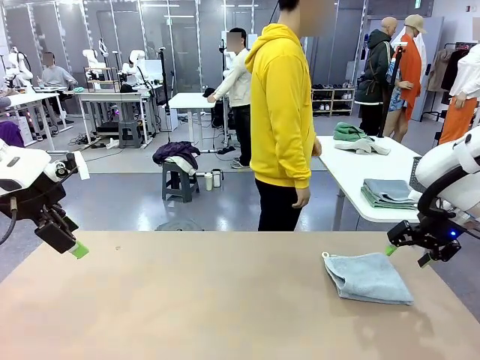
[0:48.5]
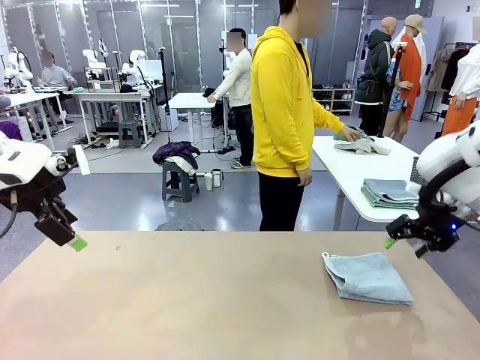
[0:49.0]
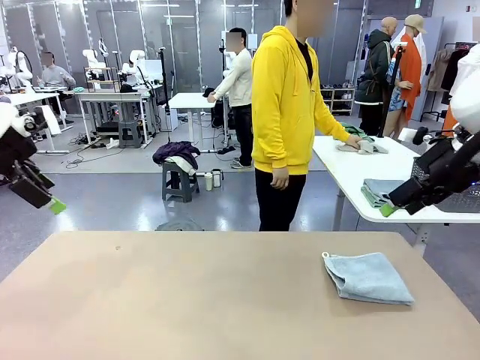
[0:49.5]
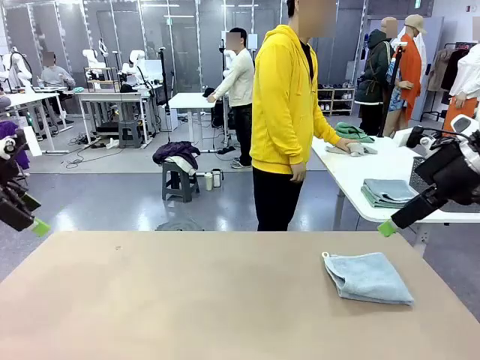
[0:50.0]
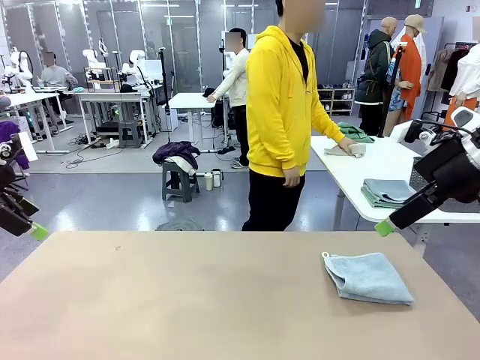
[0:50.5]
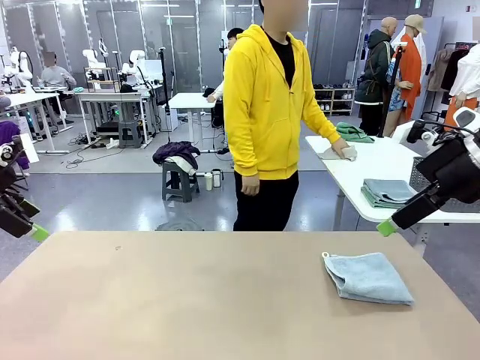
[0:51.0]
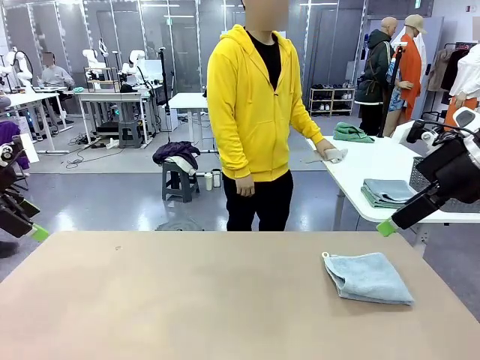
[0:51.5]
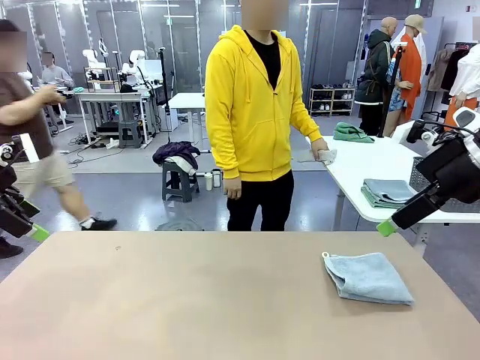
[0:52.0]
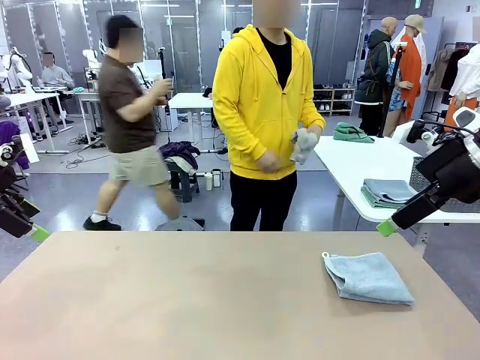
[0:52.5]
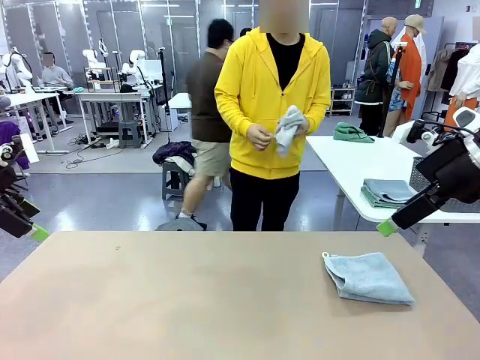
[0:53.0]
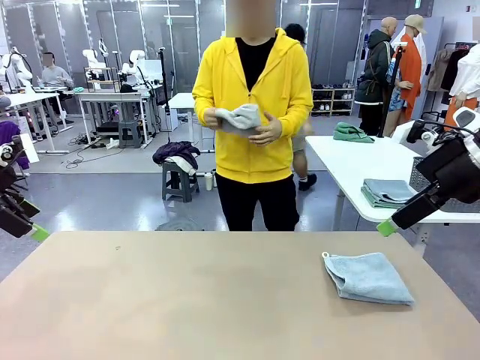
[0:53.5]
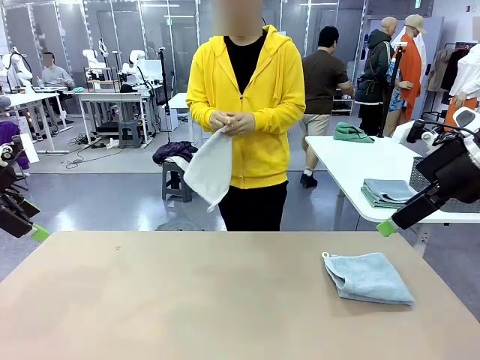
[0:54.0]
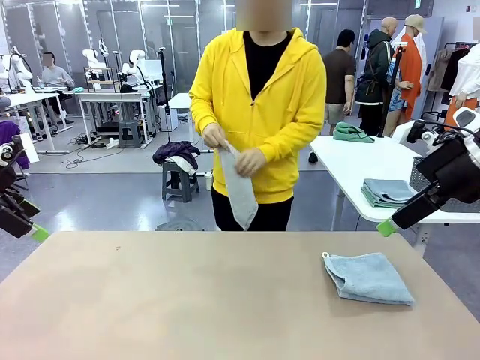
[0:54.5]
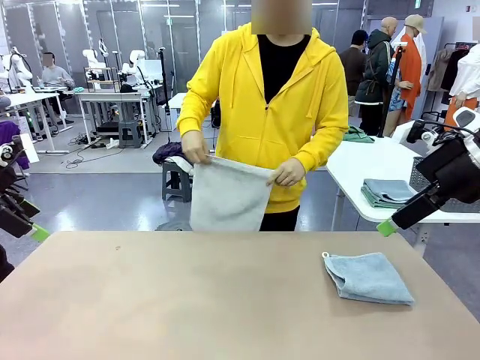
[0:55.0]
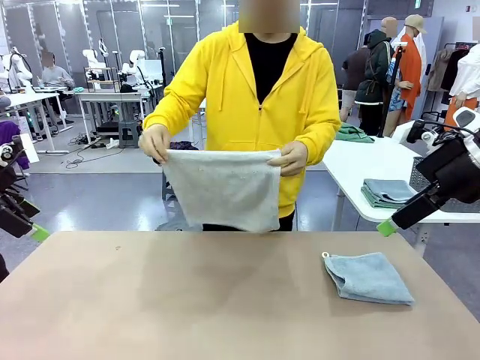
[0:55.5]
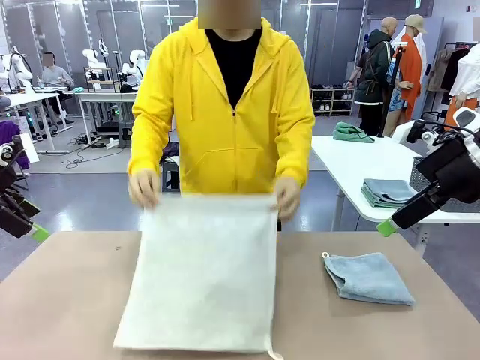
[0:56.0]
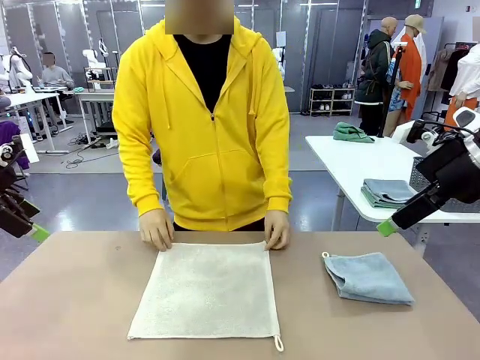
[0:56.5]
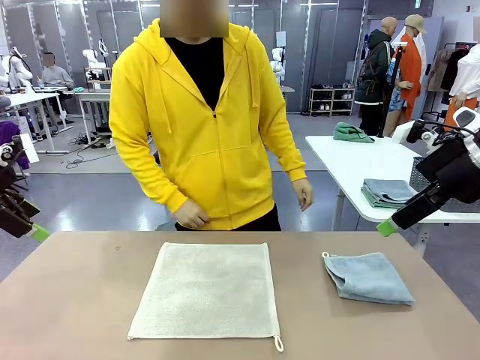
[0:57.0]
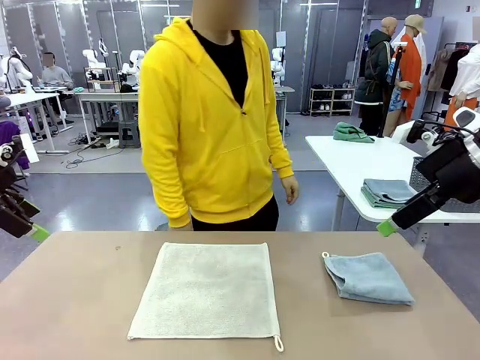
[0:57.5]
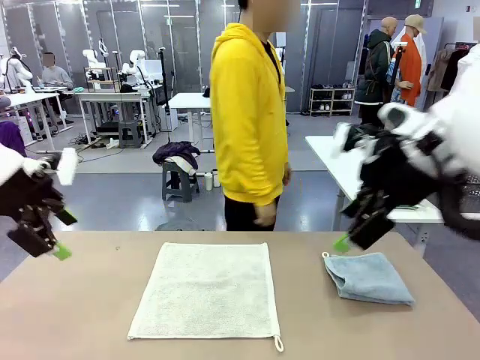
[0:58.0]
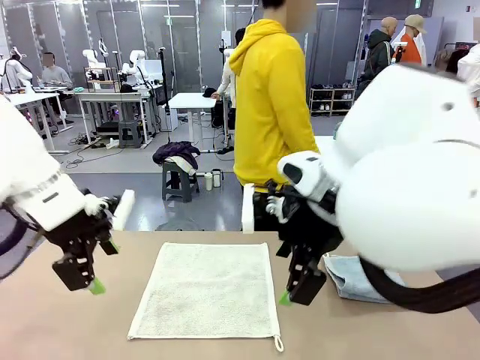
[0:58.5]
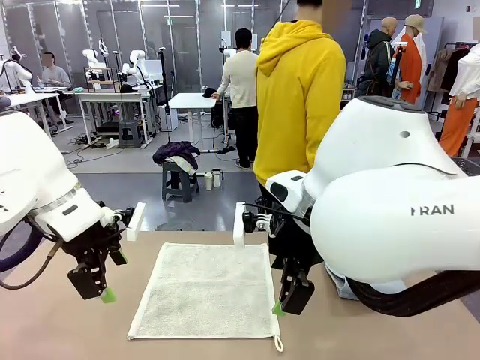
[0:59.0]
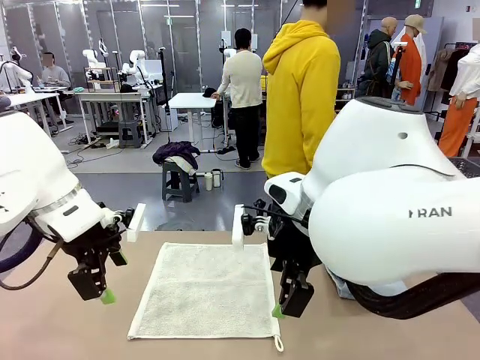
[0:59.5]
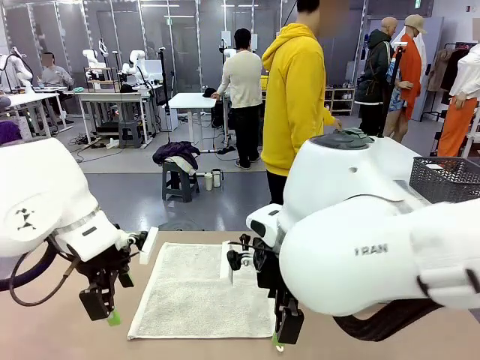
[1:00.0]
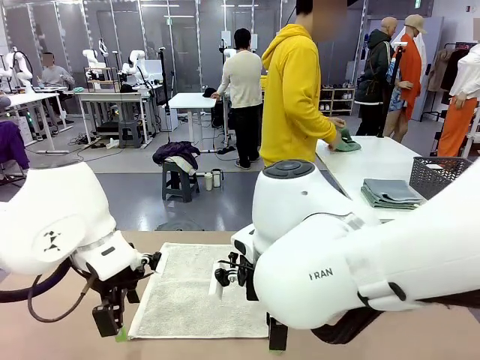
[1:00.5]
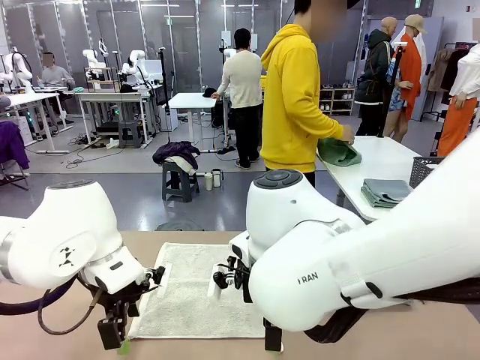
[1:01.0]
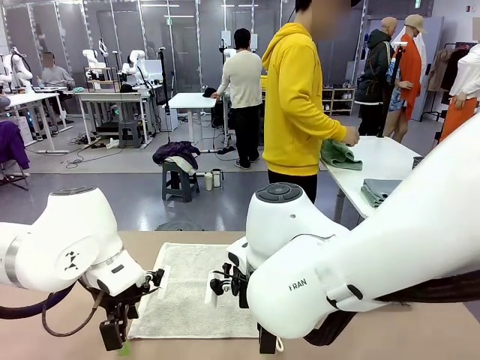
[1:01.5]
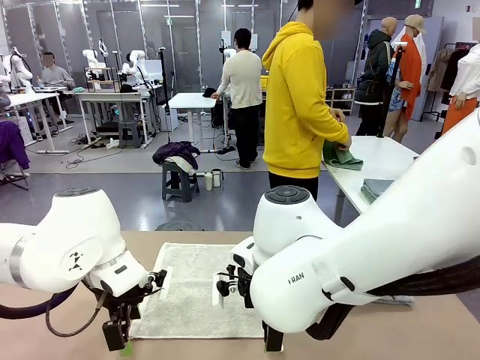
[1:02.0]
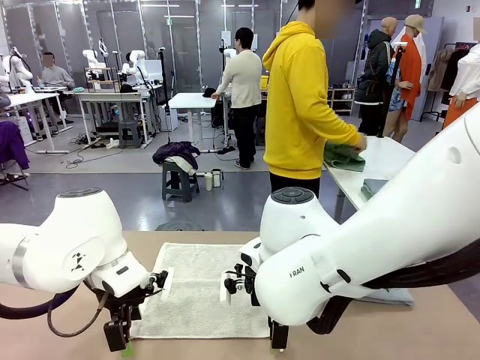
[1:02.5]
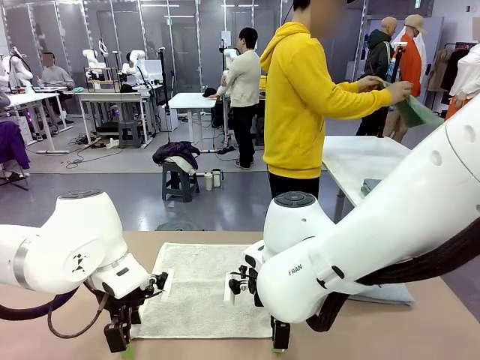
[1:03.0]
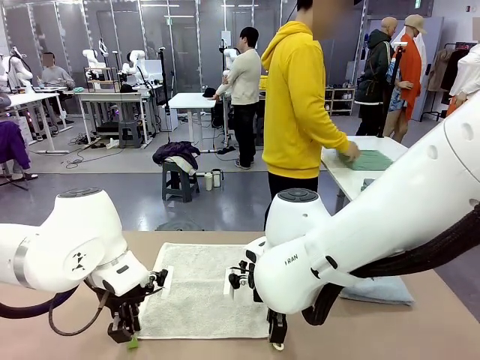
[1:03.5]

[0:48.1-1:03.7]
Task: Fold the towels and place them in the basket.
Robot: When a person lays out a Towel with hook on the table, fold it in half twice.
Person: Pick up one towel from the left side of the human table and spread it out at the center of the robot table. Pick up one towel from the left side of the human table, fold it in half twice, and stack it on the right side of the table.

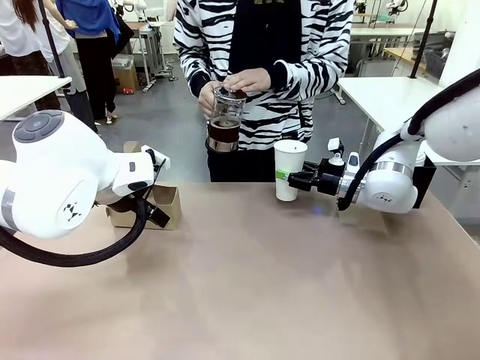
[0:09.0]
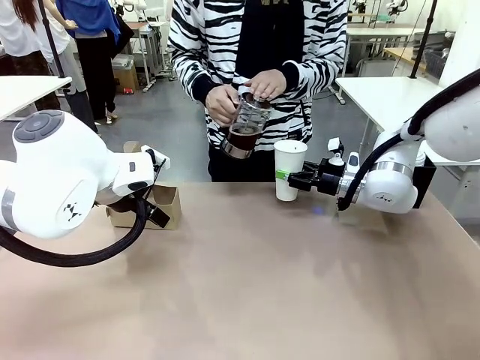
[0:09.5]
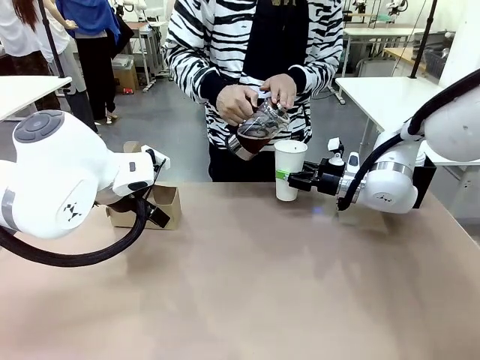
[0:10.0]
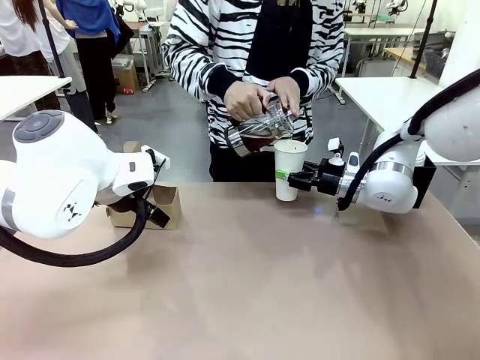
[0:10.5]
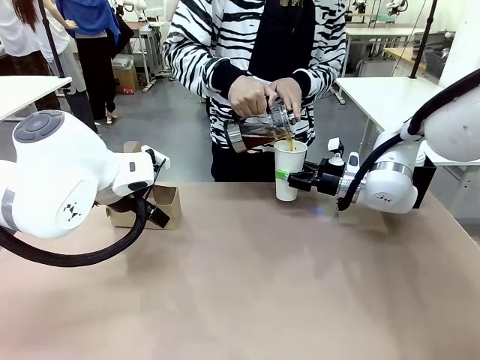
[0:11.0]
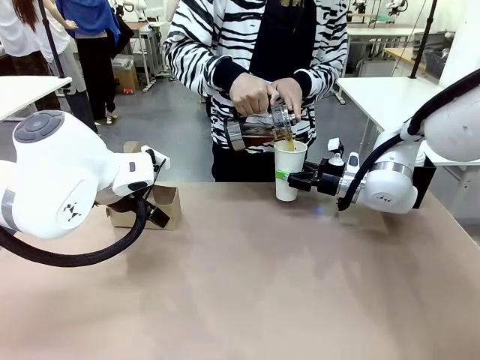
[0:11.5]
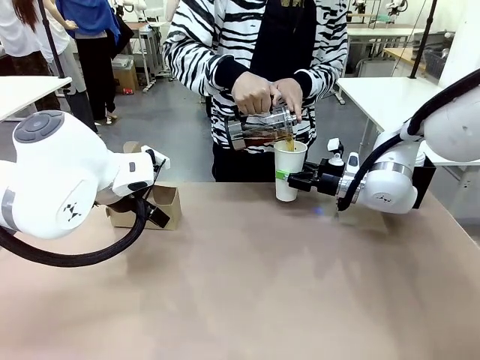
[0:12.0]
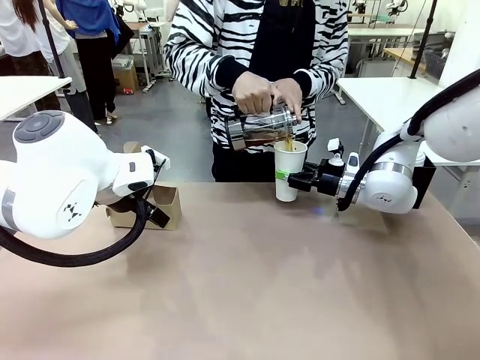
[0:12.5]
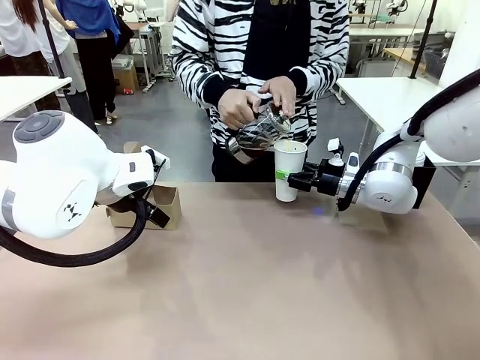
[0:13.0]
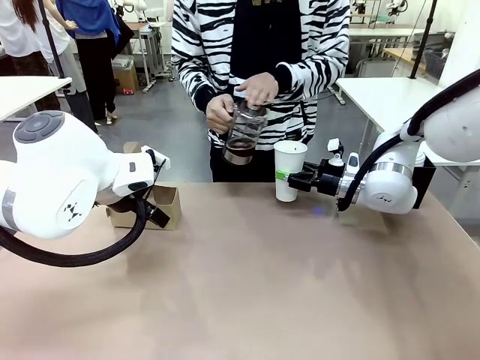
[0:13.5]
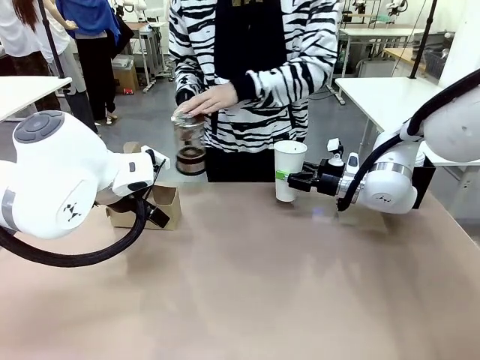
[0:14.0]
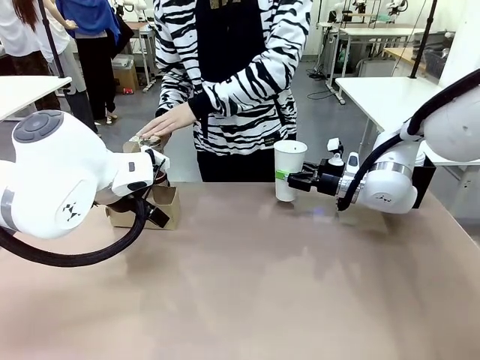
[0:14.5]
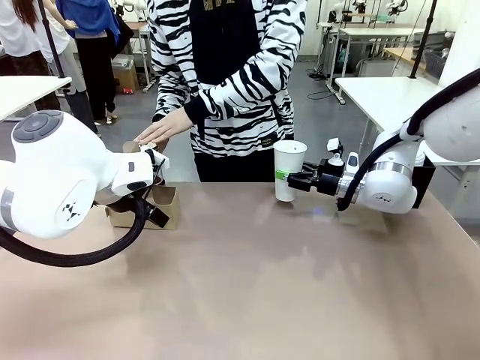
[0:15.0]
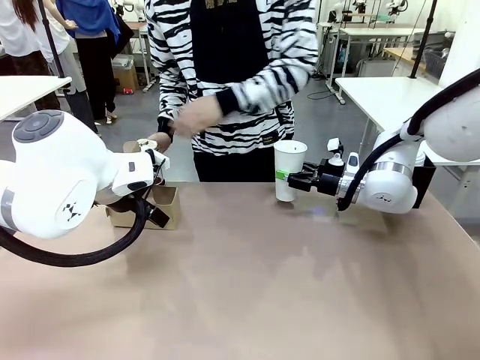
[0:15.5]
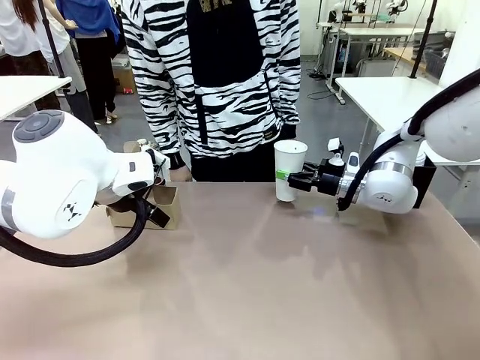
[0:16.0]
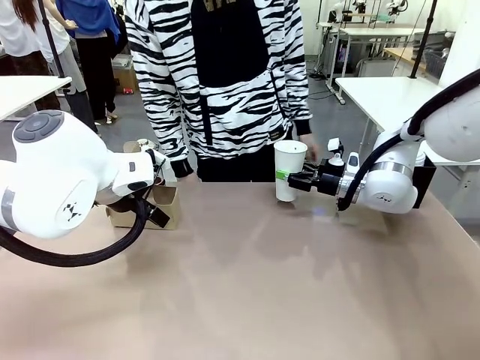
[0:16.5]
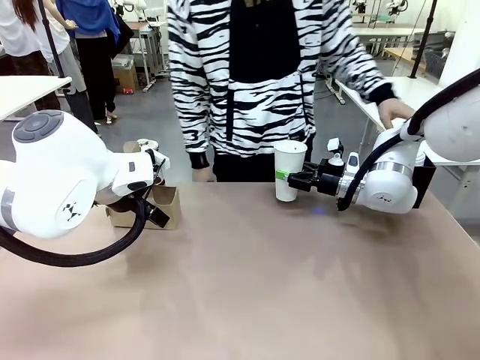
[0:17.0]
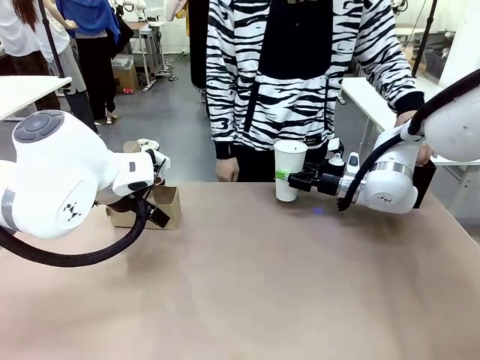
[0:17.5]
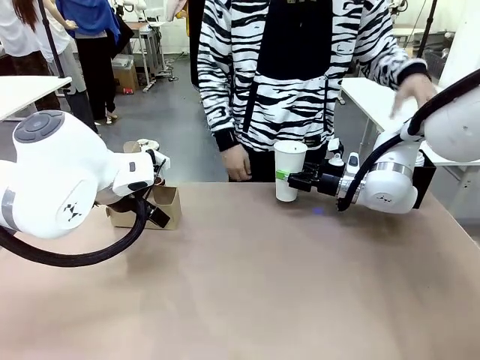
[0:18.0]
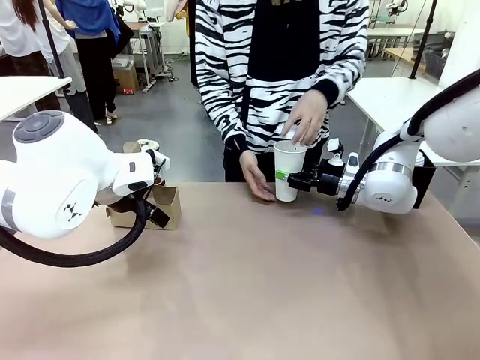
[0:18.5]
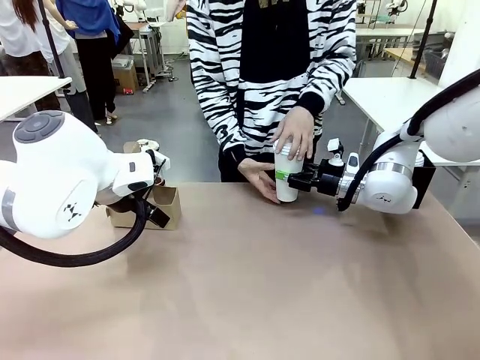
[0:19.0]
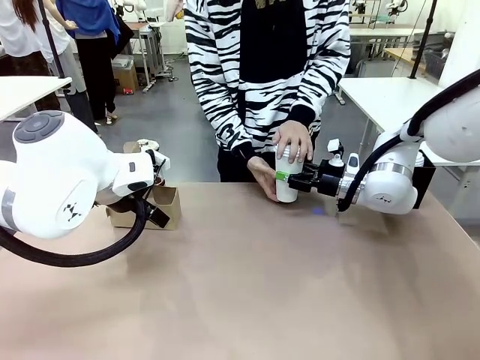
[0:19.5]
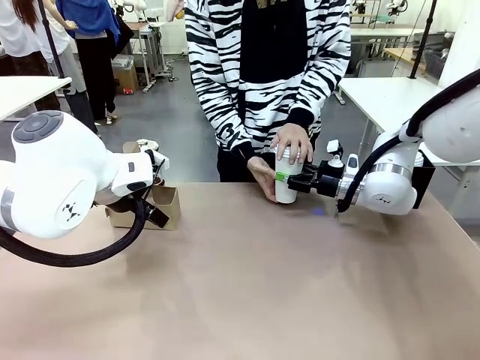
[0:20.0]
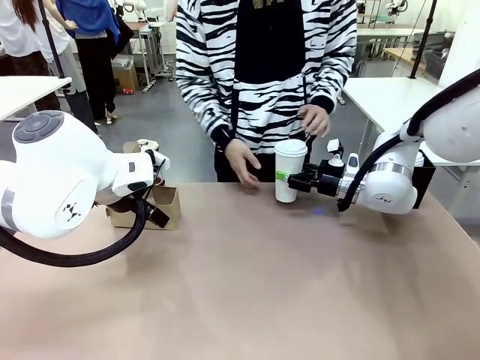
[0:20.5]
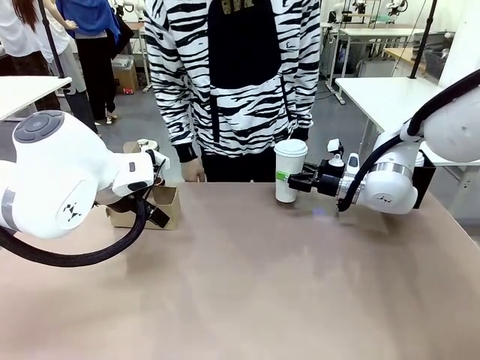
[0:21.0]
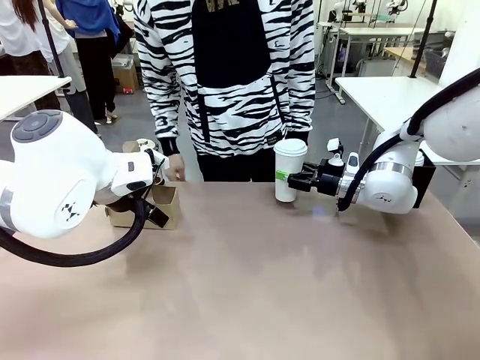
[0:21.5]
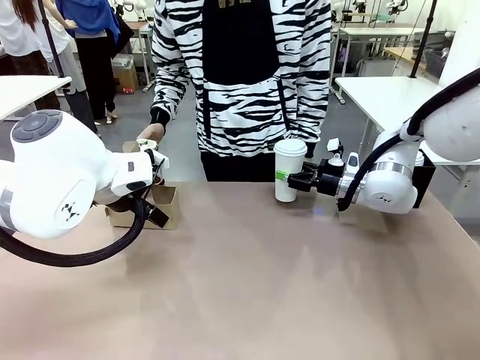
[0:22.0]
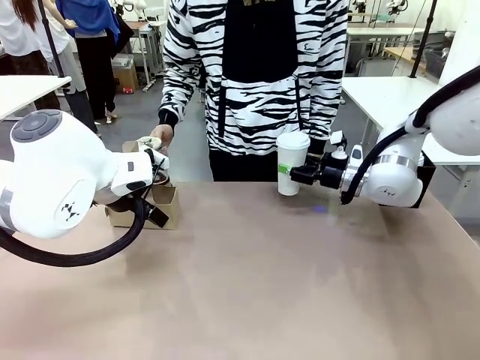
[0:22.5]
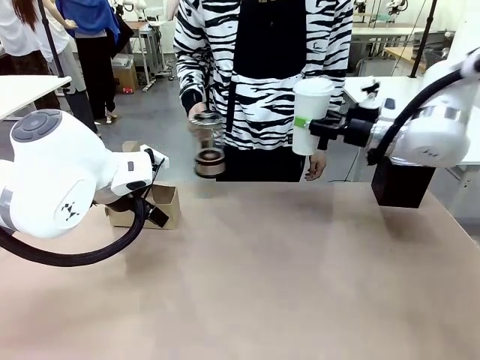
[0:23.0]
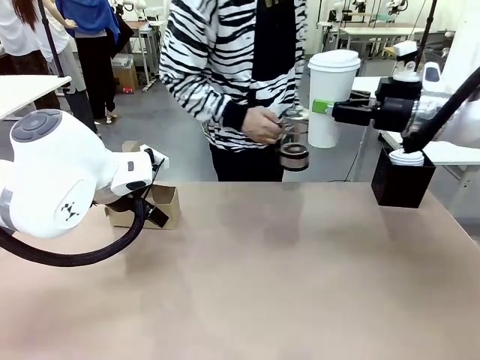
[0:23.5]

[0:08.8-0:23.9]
Task: Pour a drink into a cup and package it in a carrier.
Robot: When a person places the Paper Cup Lid on the 600 ml Paper Cup , lift the 600 ml Paper Cup.
Person: Pour the drink from the Filter Brewing into the 600 ml Paper Cup. Place a Paper Cup Lid on the 600 ml Paper Cup.
